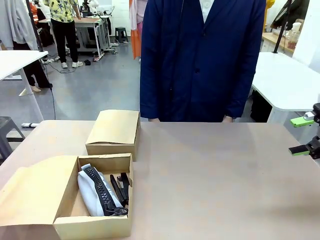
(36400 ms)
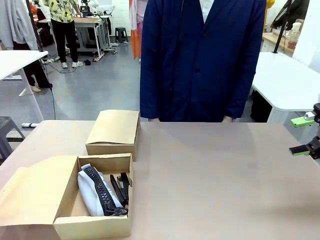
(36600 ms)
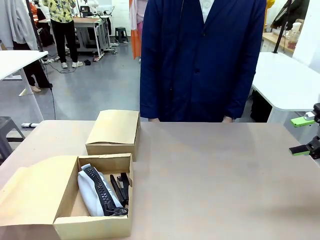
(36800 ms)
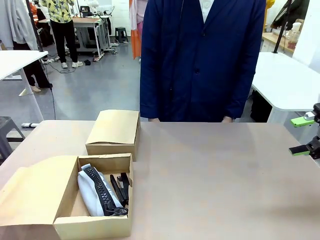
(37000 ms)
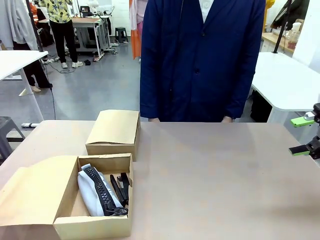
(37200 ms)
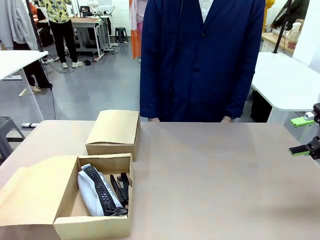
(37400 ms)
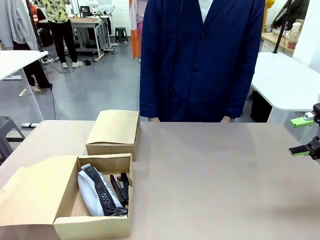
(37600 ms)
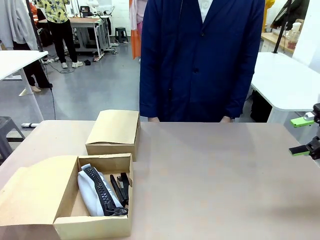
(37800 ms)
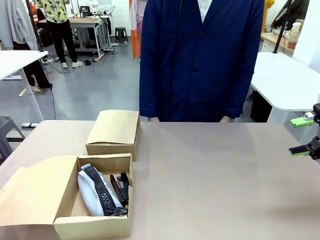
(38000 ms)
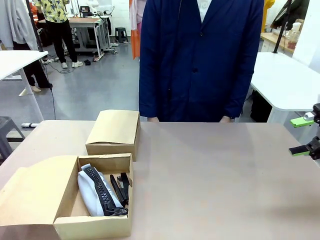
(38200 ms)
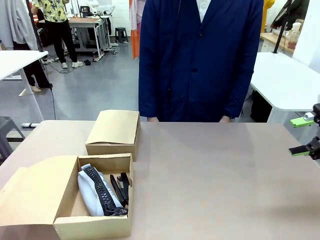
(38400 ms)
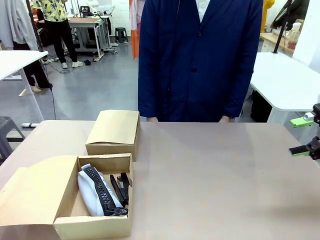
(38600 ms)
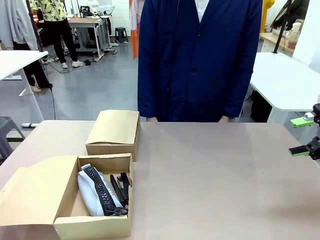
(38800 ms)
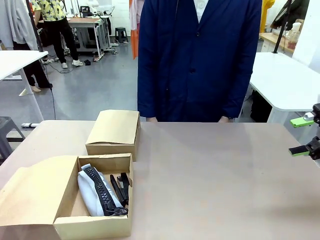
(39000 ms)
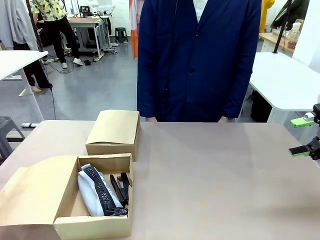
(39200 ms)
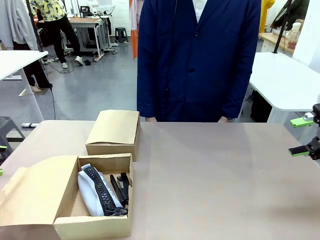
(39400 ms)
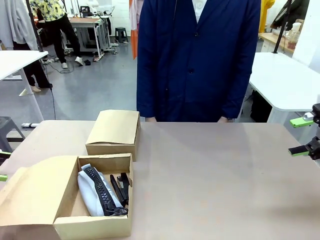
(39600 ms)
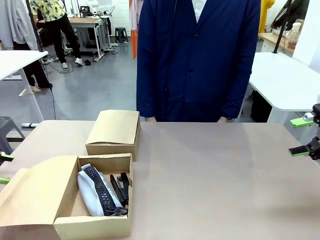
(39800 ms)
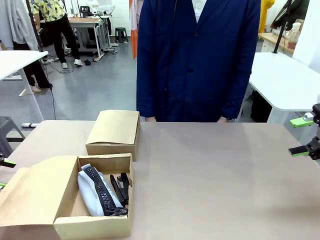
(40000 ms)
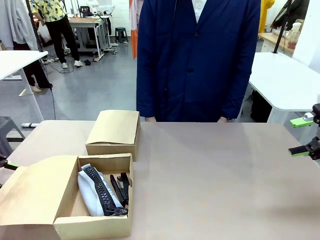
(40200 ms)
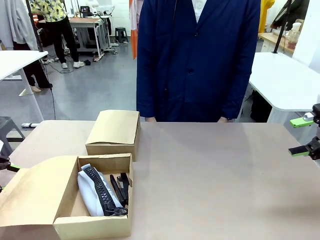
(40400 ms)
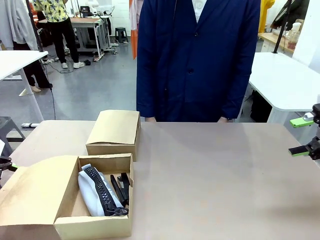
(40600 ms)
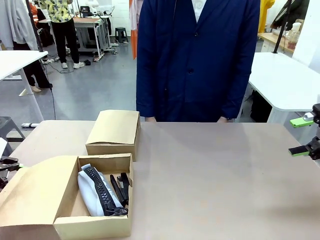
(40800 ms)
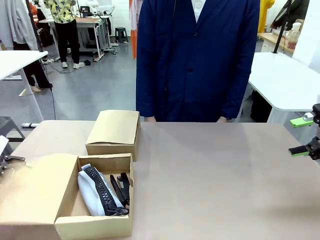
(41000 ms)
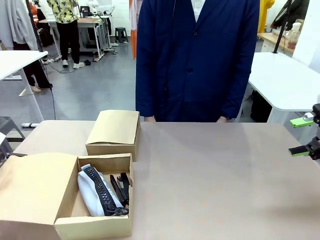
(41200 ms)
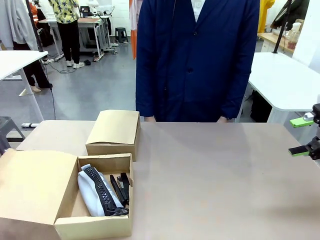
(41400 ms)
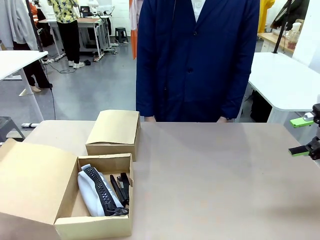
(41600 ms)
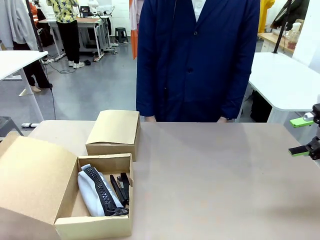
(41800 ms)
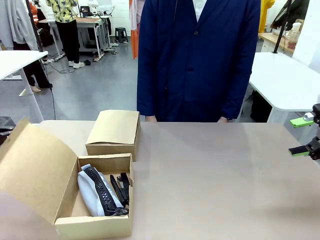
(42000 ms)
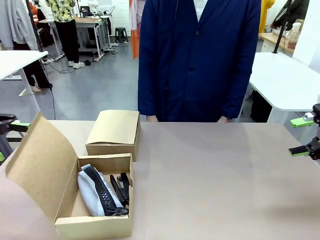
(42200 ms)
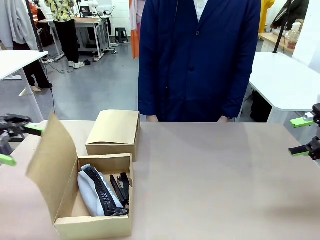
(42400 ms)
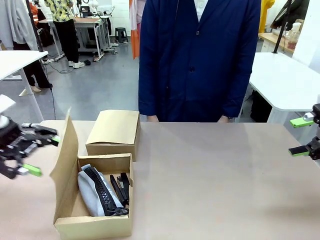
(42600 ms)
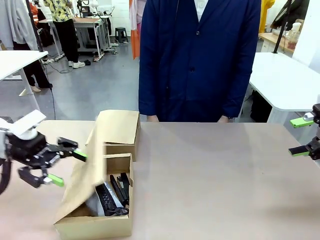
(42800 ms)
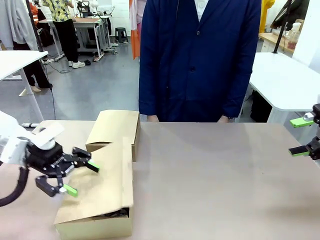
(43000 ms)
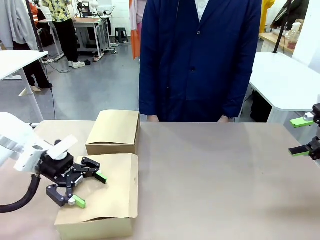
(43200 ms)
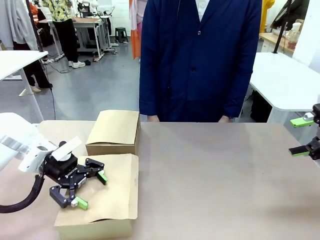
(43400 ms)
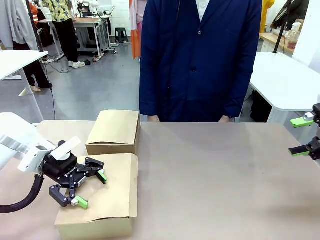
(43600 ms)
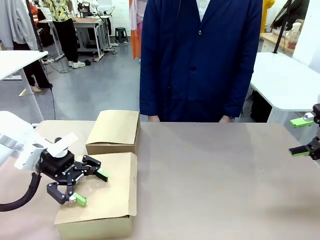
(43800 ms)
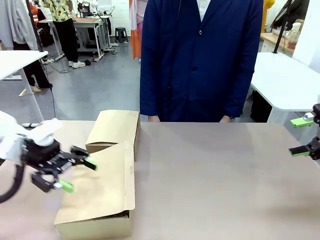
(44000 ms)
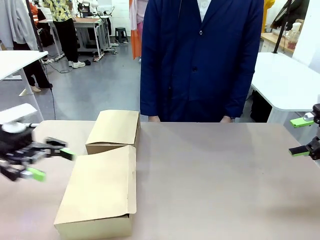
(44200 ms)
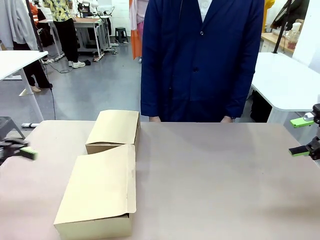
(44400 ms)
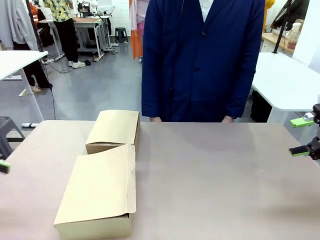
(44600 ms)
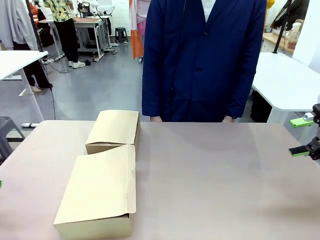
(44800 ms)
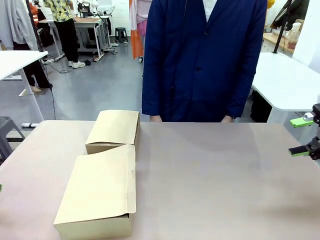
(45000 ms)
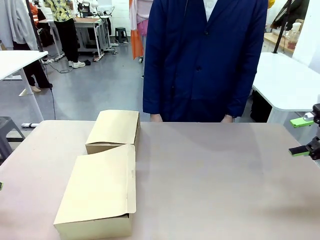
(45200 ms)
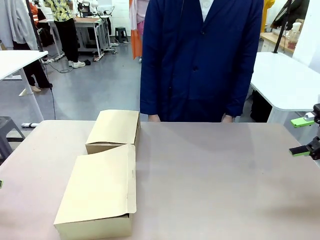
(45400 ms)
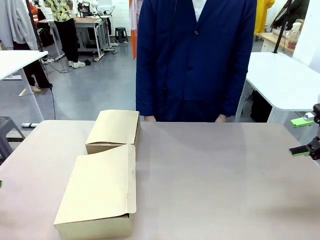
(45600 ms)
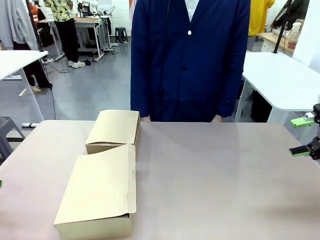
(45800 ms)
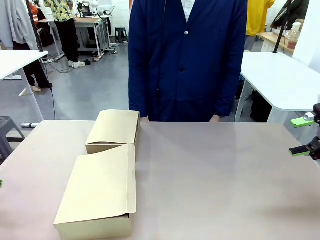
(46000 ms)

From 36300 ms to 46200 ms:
Task: Place items inside the box.
Robot: Close the lid of the Mailer Box closest to the robot.
Person: Close the lid of the box facing the person.

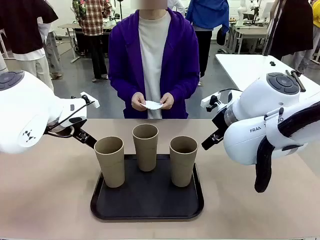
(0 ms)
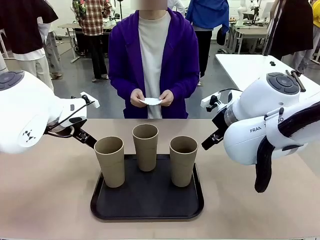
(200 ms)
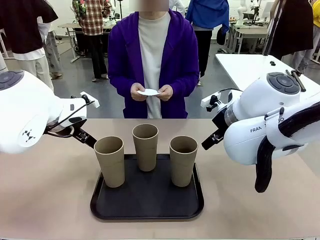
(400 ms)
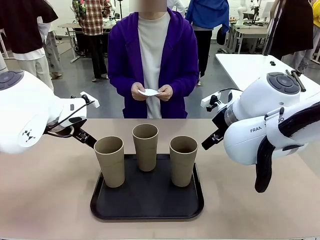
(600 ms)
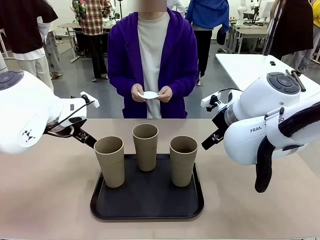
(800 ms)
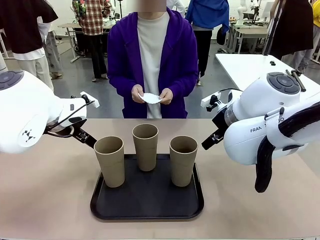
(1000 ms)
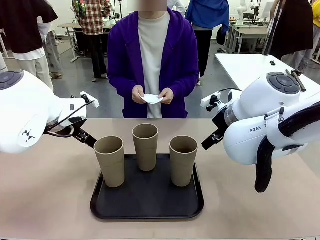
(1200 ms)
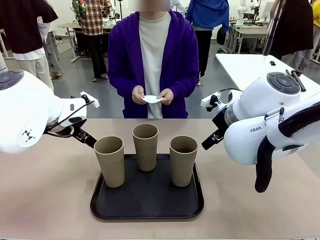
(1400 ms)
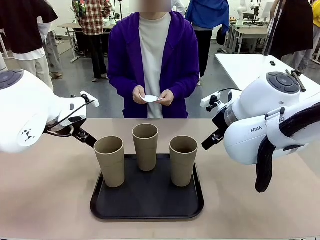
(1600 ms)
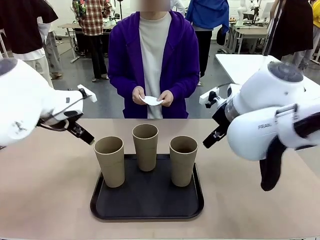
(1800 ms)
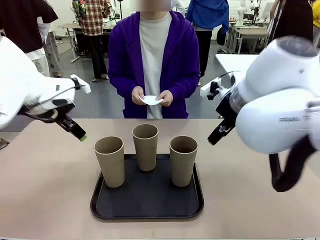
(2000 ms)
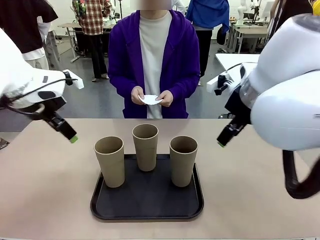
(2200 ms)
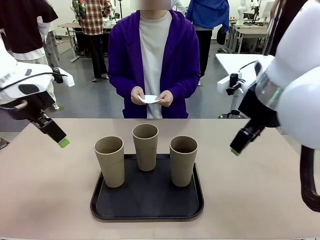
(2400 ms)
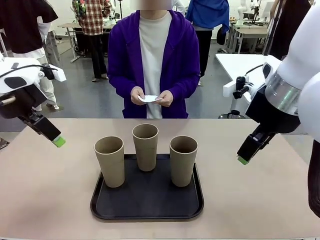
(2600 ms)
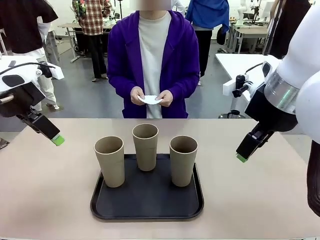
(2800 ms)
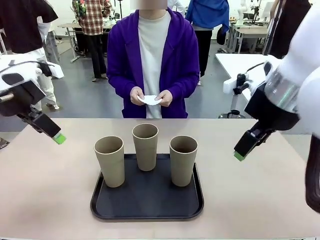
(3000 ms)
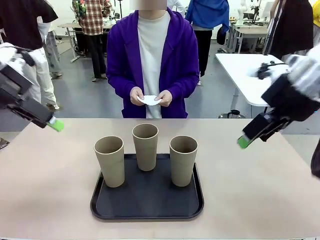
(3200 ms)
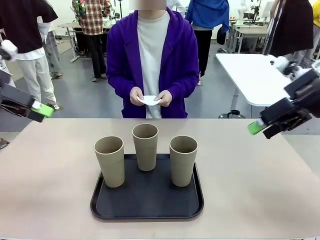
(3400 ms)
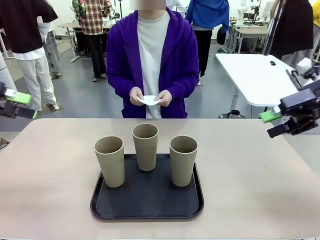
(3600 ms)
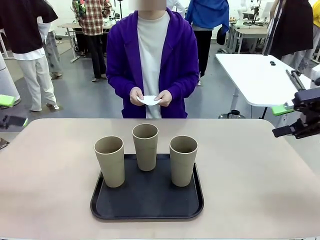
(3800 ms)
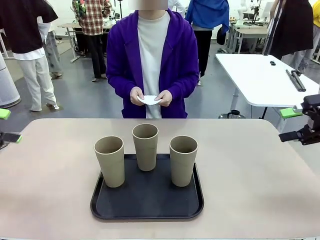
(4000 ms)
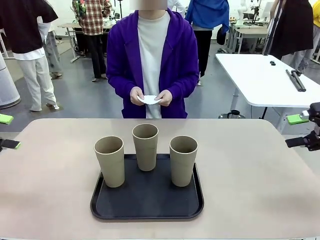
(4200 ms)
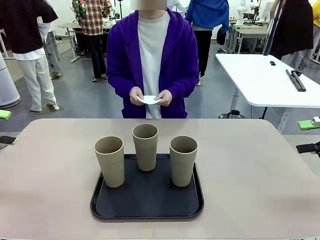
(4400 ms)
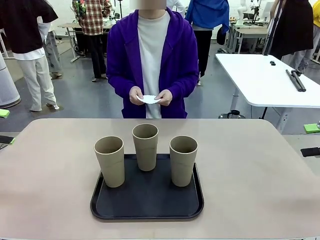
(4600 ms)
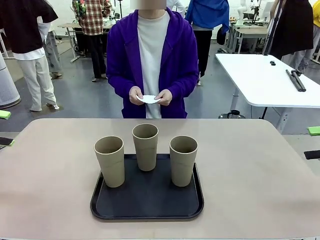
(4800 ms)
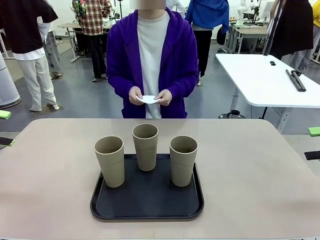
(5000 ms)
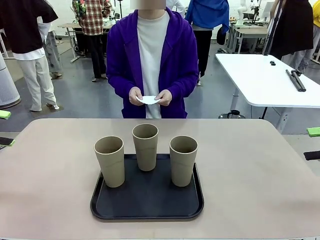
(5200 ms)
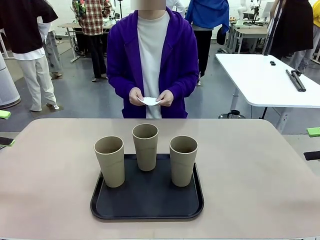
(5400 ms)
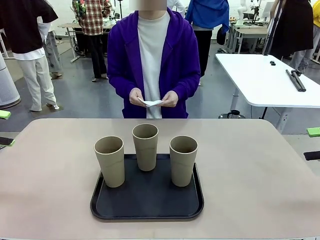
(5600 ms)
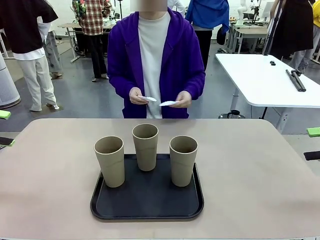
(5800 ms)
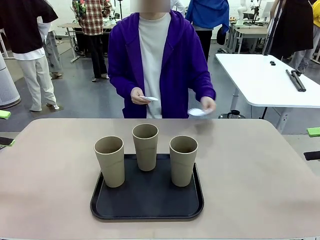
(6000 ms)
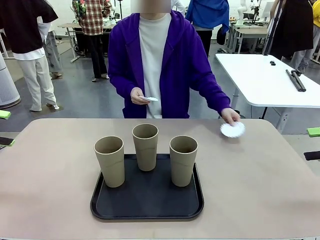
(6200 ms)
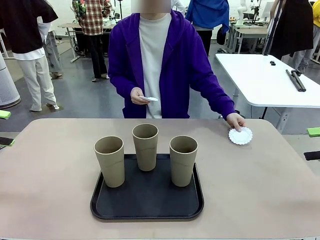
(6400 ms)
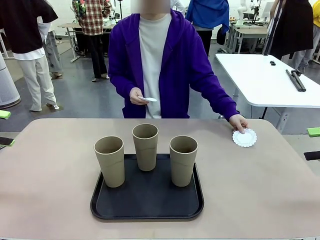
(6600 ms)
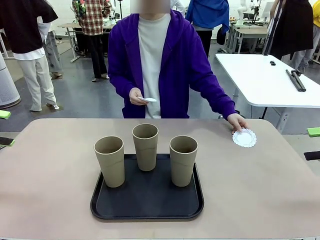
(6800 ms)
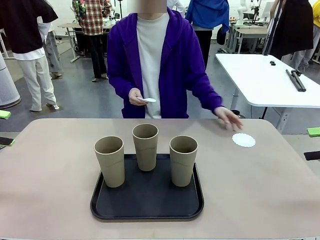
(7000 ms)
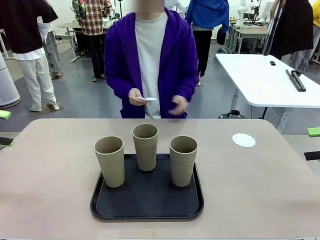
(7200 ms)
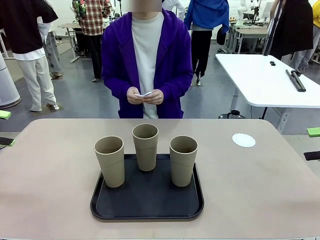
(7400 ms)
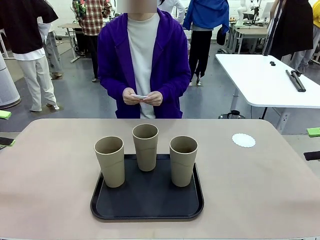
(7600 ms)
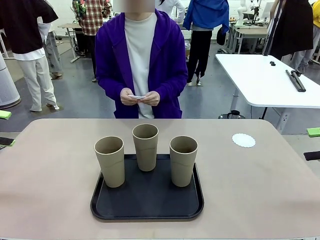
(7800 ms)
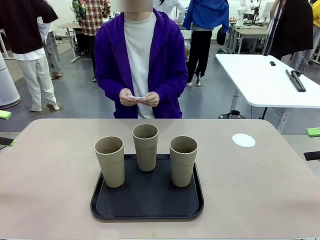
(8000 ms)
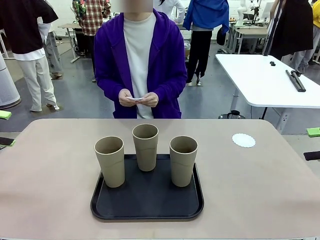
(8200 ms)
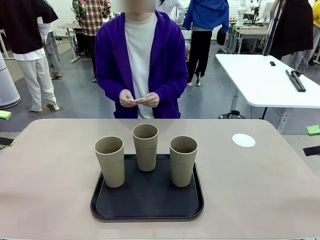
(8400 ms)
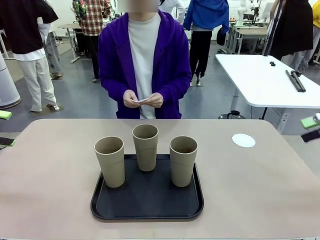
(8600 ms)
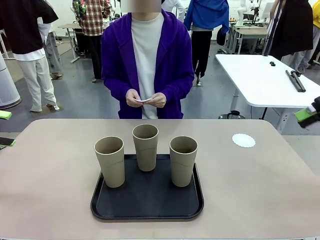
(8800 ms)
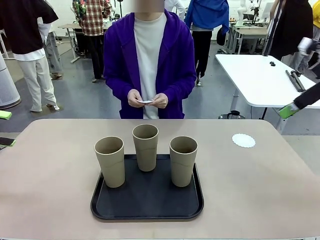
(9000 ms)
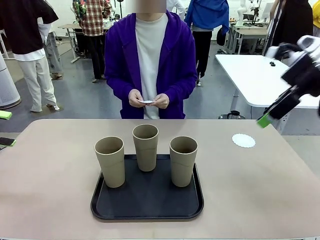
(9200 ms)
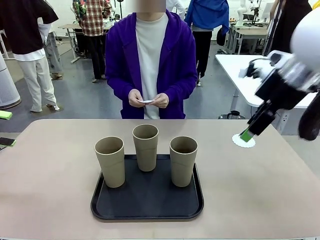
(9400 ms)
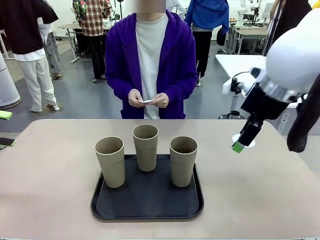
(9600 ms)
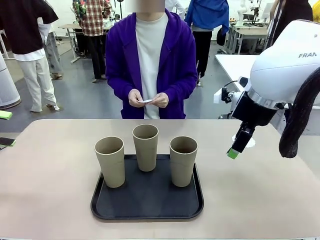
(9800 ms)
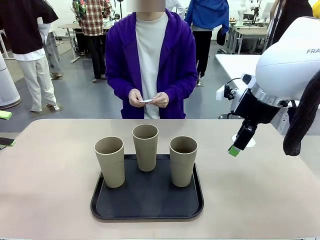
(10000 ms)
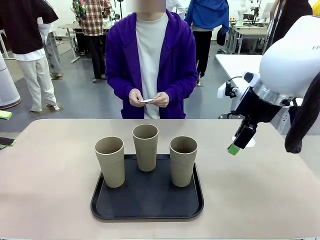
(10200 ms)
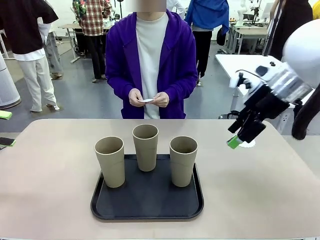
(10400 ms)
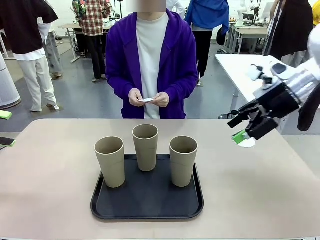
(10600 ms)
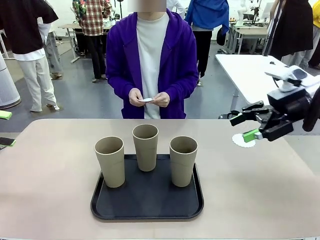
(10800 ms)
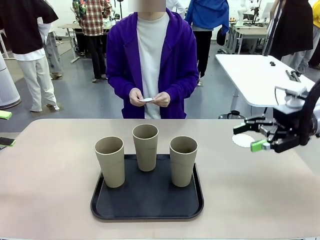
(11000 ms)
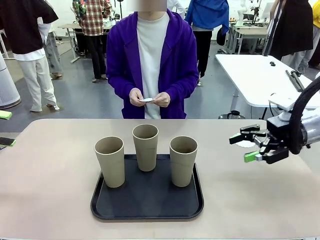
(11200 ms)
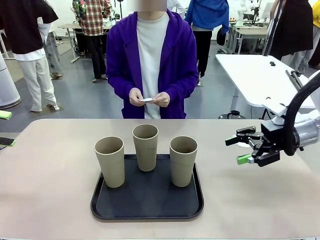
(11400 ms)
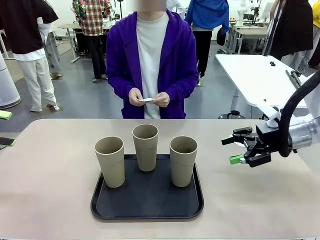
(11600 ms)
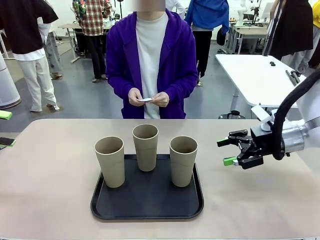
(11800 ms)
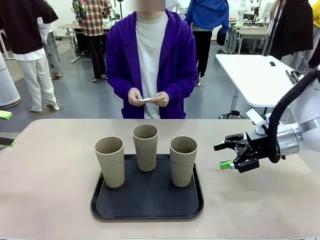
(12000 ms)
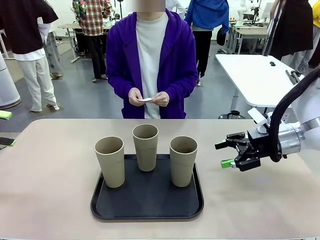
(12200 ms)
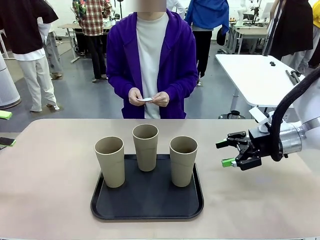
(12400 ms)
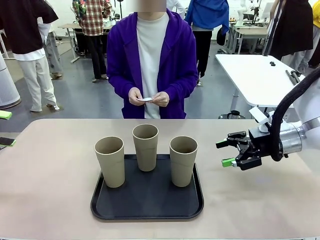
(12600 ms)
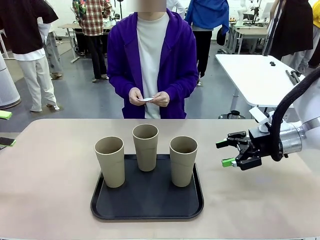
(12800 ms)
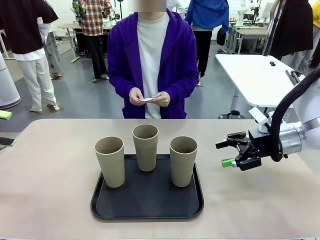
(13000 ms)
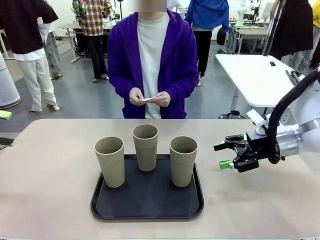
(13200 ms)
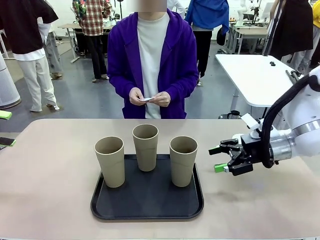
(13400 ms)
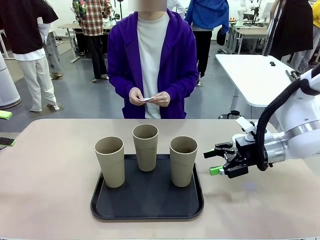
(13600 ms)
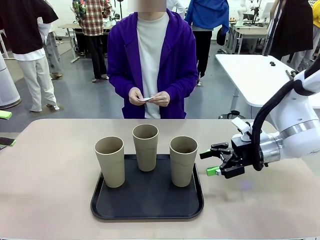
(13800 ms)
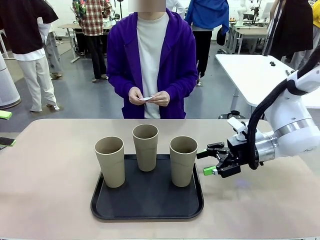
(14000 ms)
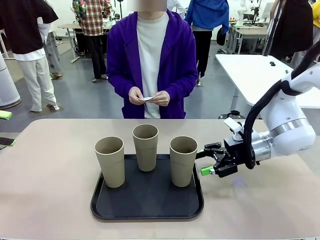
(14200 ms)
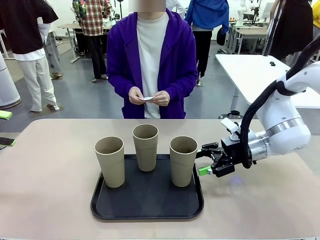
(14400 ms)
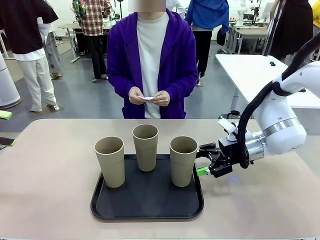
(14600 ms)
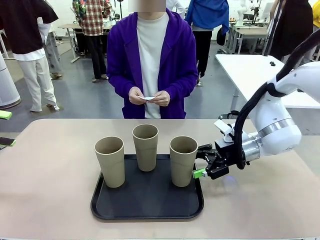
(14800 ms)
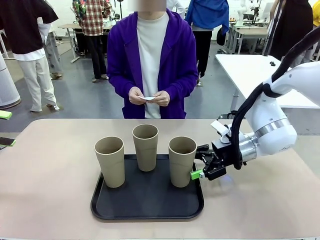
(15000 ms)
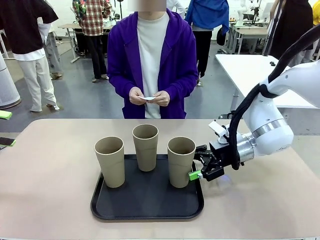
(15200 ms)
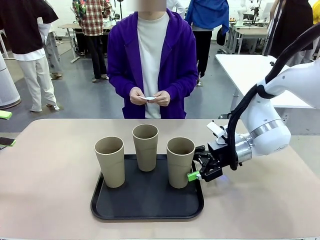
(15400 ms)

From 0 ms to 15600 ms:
Task: Place coasters on the table and set cups on them.
Robot: Pick up one Reusable plastic cup and place it on a coaster set by the human.
Person: Place one coaster in any one of the three lower areas of the robot table (left, center, or right).
